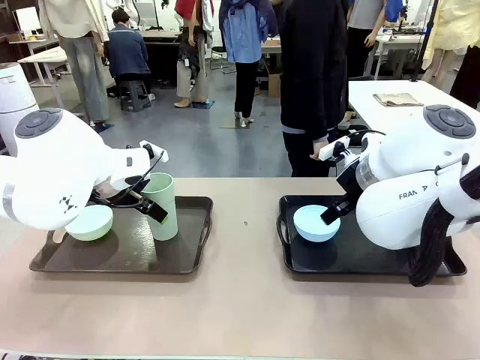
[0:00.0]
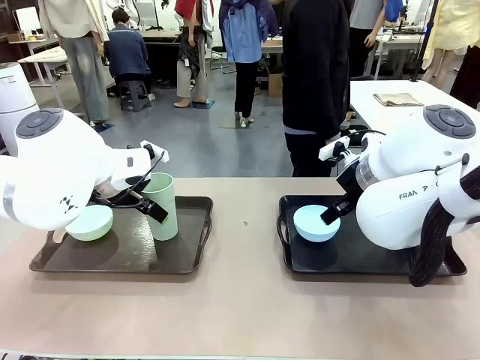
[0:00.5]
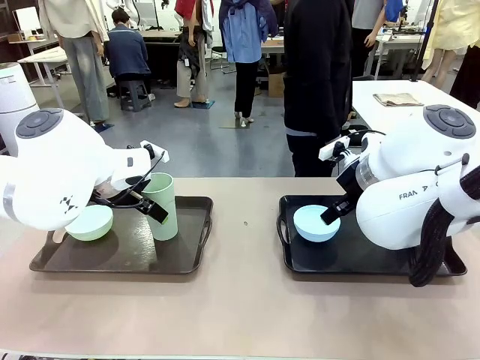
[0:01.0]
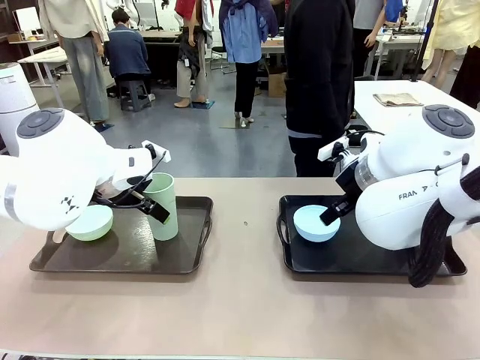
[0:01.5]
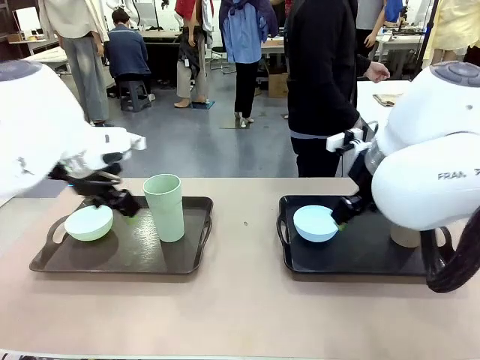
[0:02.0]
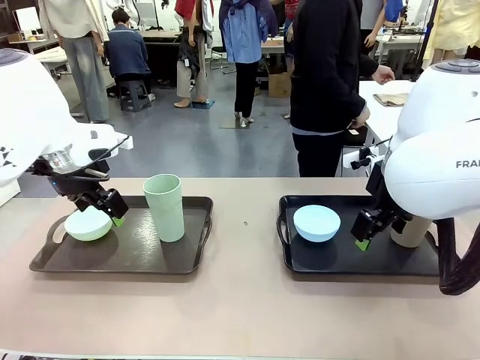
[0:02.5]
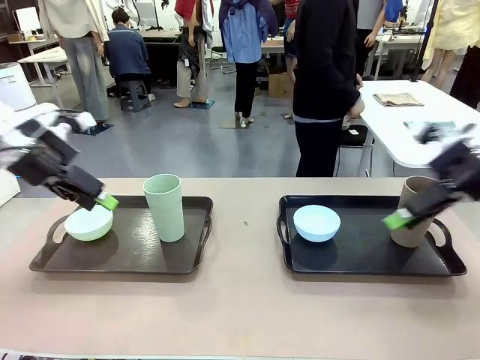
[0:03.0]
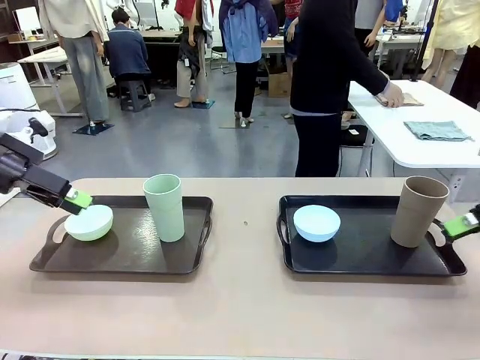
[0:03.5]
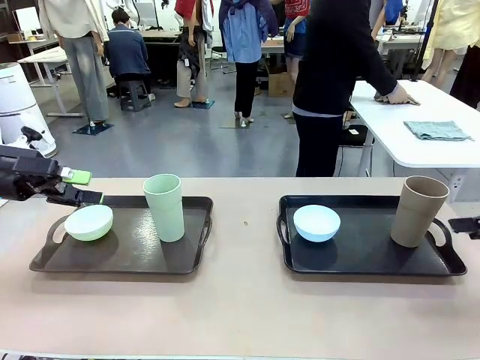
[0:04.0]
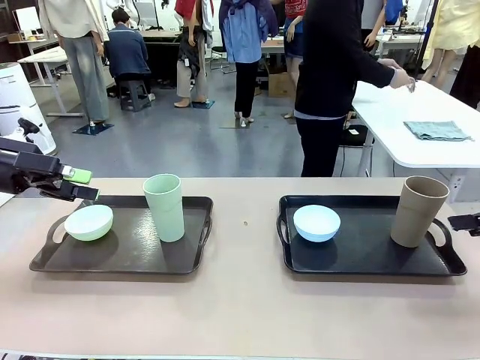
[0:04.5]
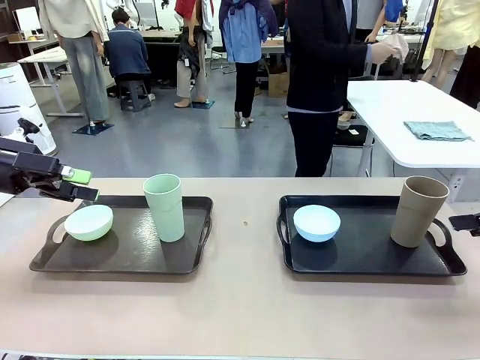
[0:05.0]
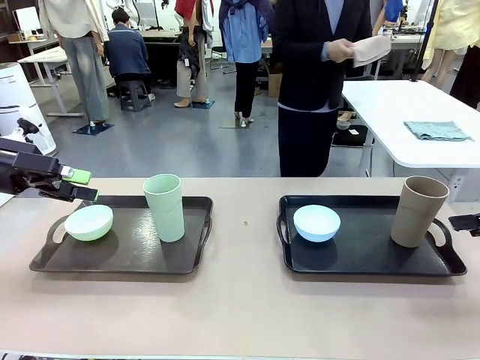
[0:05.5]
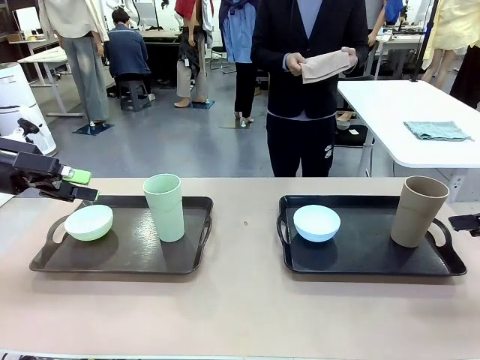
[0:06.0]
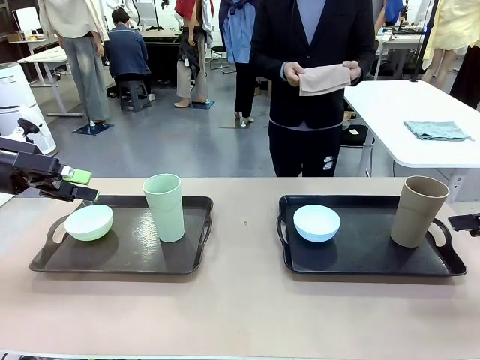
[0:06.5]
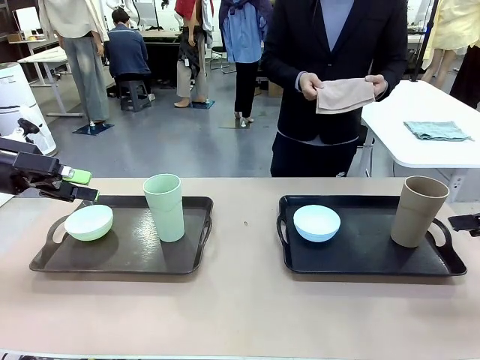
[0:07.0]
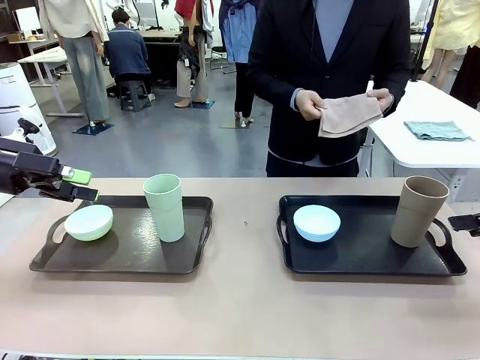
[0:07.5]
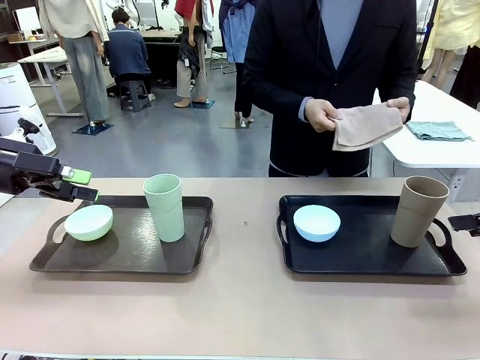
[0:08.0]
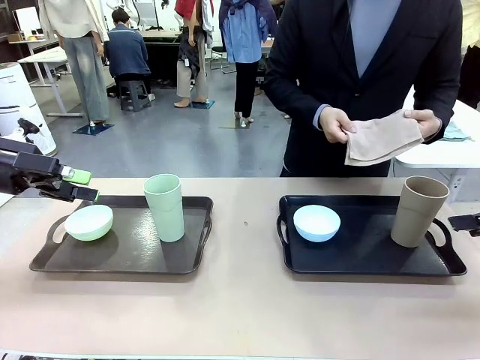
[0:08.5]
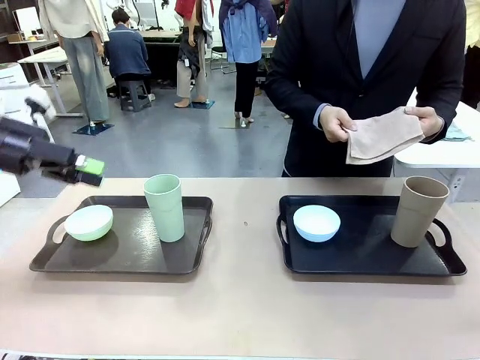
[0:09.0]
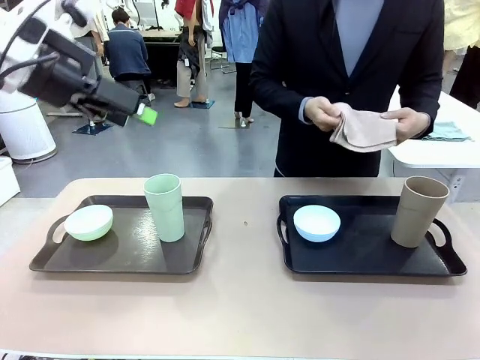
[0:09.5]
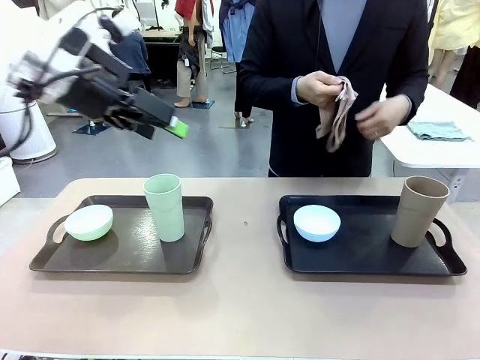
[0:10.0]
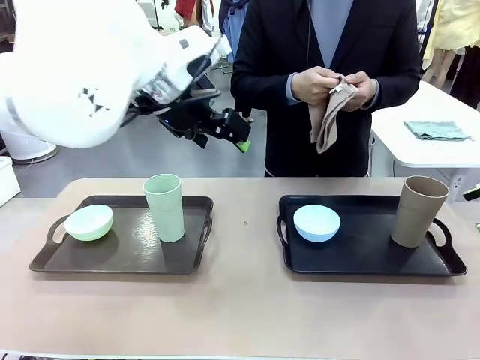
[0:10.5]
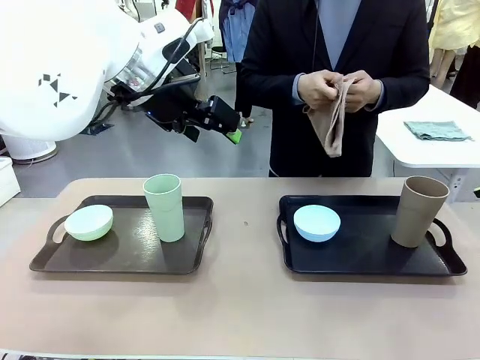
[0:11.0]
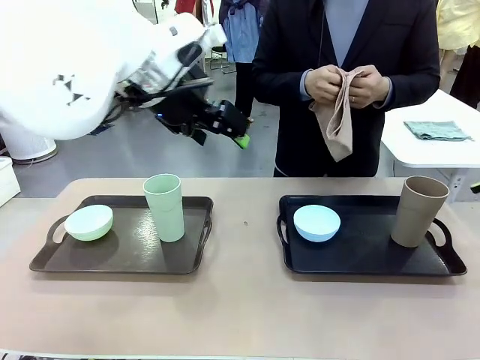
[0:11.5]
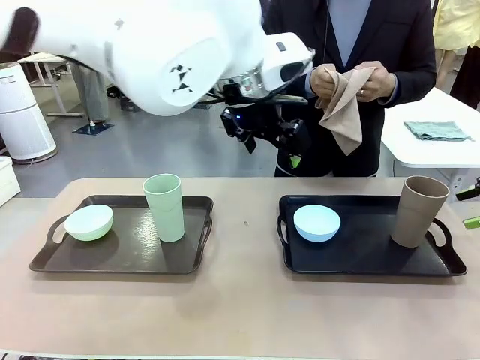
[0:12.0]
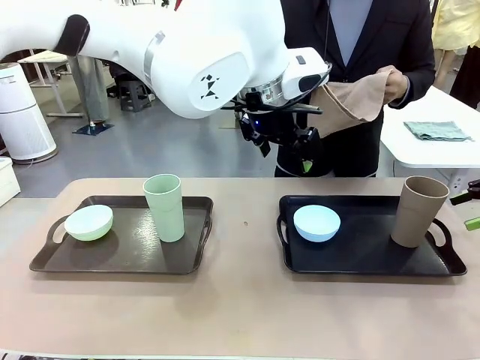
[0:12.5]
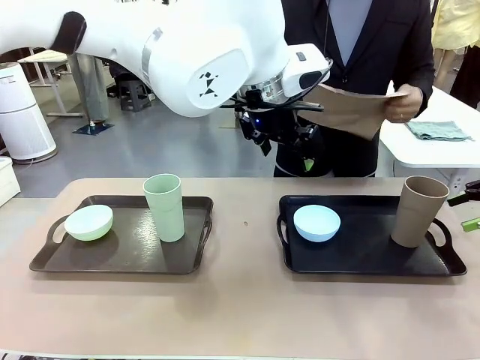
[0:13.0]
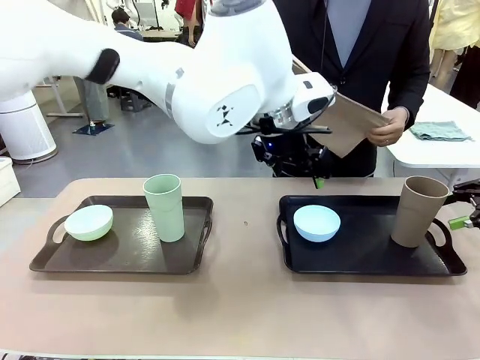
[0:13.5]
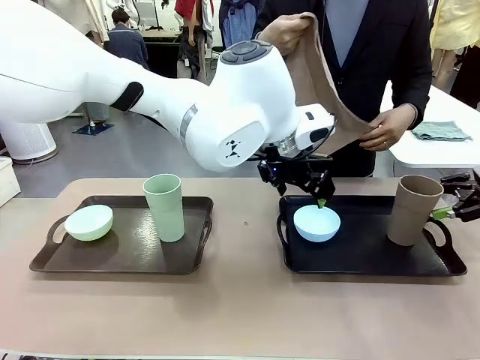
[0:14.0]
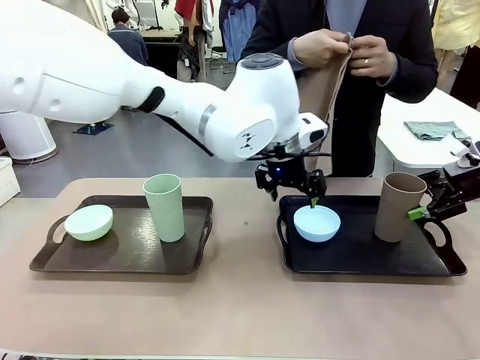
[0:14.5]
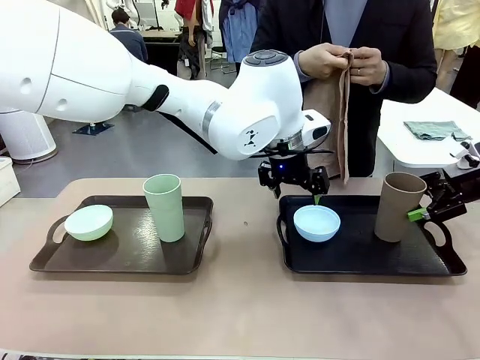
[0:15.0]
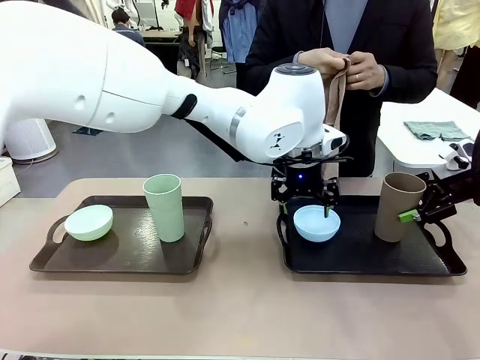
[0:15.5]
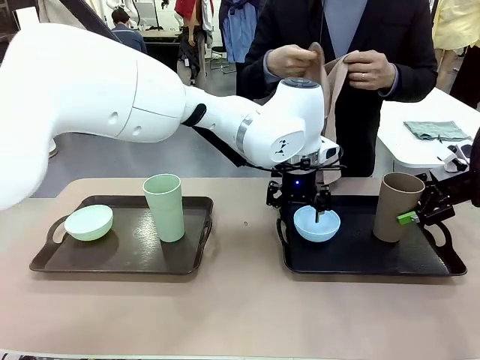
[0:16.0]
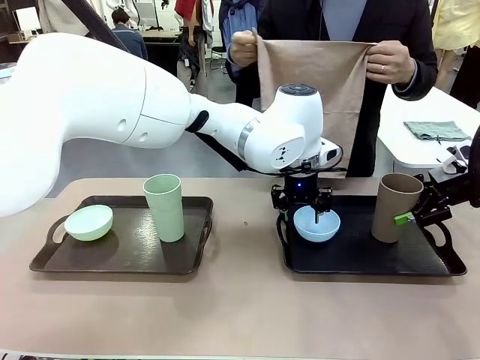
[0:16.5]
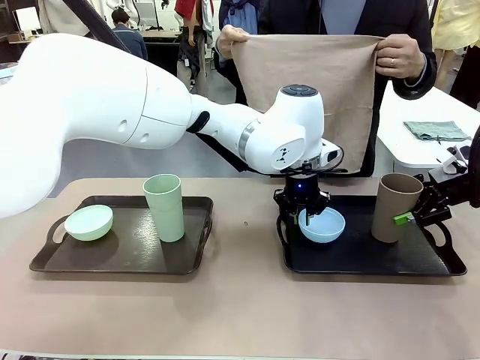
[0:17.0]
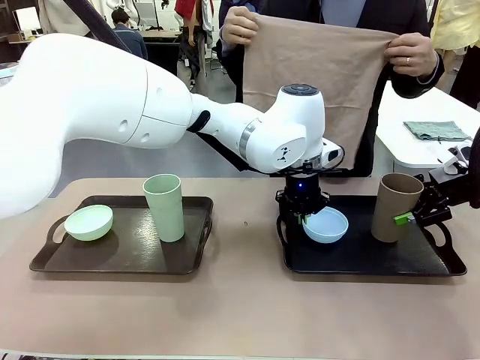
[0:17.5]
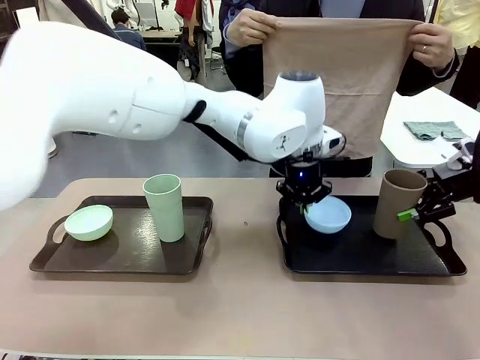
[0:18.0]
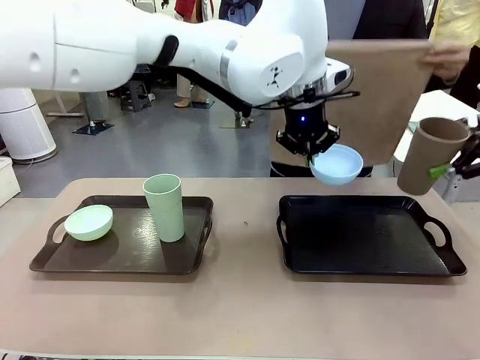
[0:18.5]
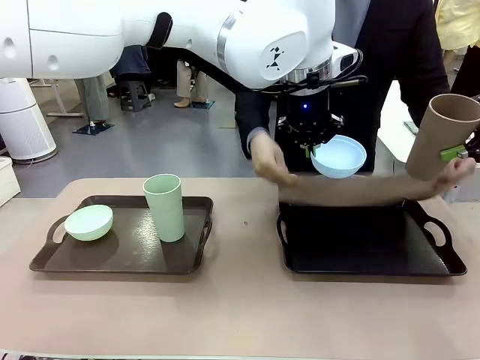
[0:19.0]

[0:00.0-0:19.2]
Robot: Pick up the Picnic Bowl and Reusable plastic cup from the Handle tray in front of the human's position and hold them in the air.
Person: The human picks up the top napkin from the stack on the human table and walks to the robot table to stand in front of one of the two trays. When the robot lifts the bowl and the cup, the human unfolds the napkin and lays the napkin flat on the tray.

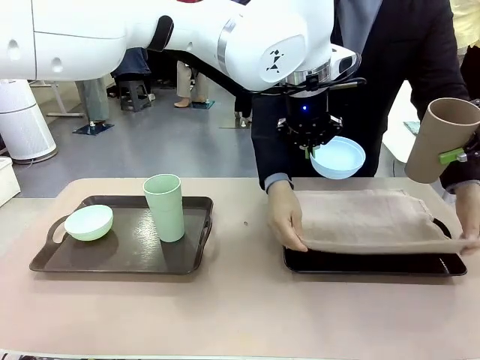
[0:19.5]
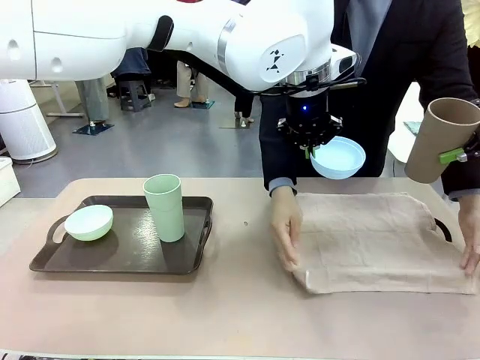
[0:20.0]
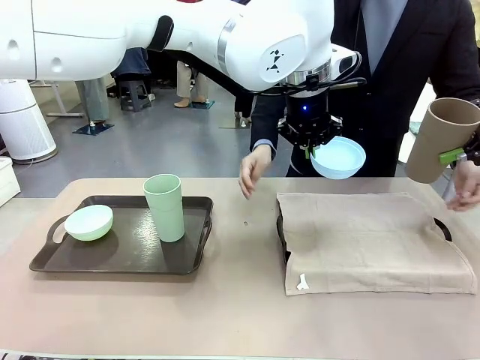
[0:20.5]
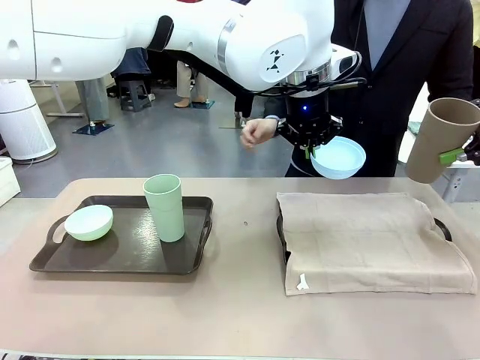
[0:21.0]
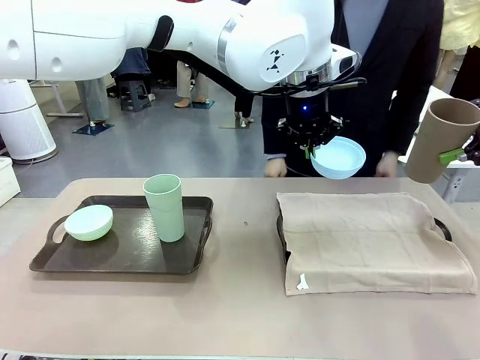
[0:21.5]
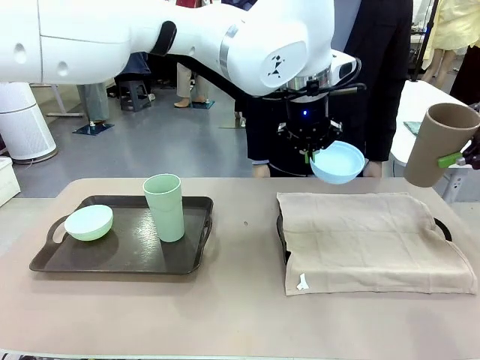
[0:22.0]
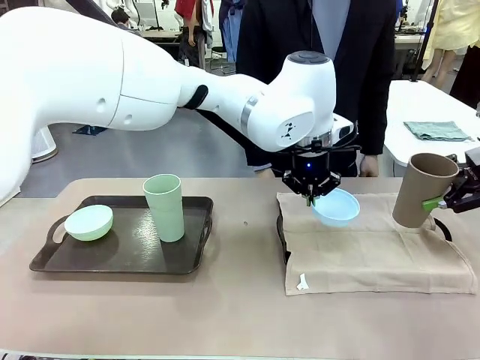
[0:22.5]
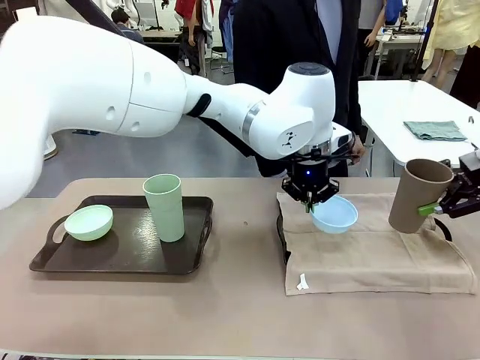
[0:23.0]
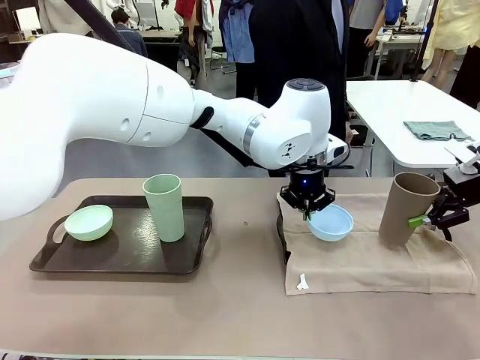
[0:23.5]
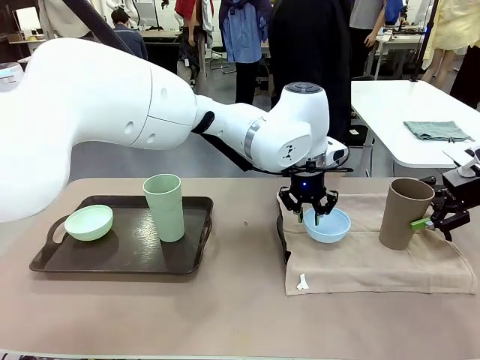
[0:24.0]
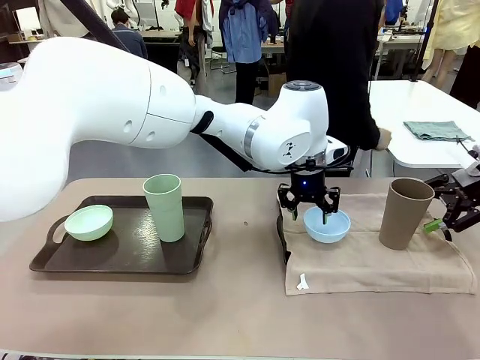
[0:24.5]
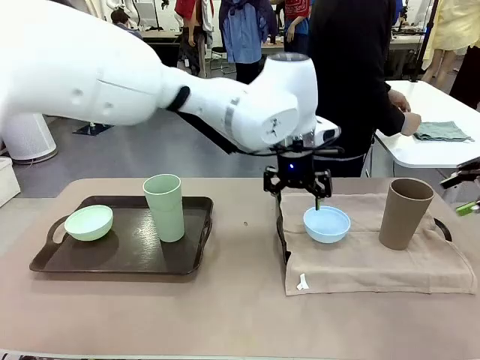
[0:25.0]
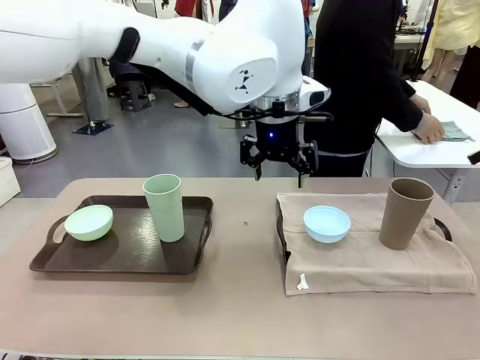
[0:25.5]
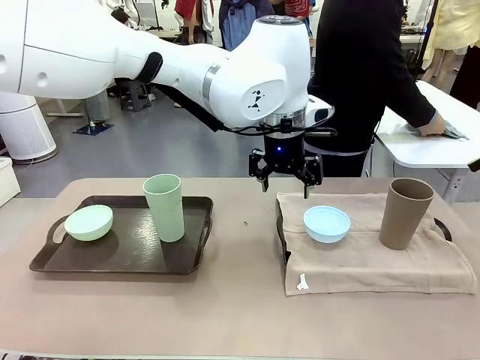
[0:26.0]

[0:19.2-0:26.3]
Robot: Place the Picnic Bowl and Reusable plastic cup back onto the Handle tray in front of the human's position.
Person: The human returns to the human table to pick up another napkin and walks to the robot table to stand in front of the tray without a napkin.

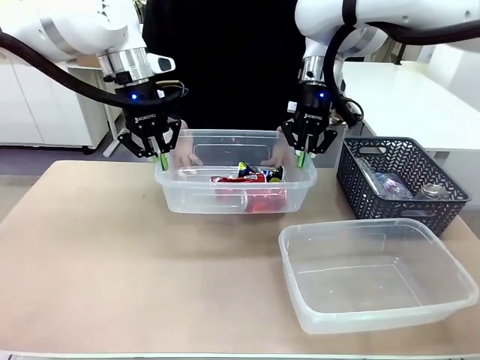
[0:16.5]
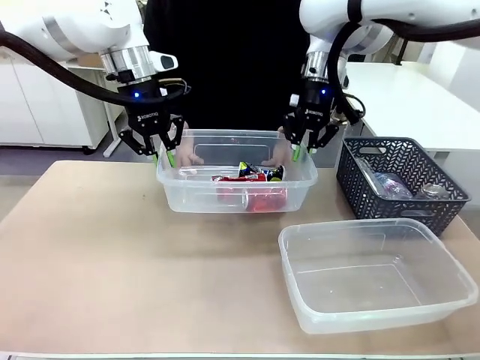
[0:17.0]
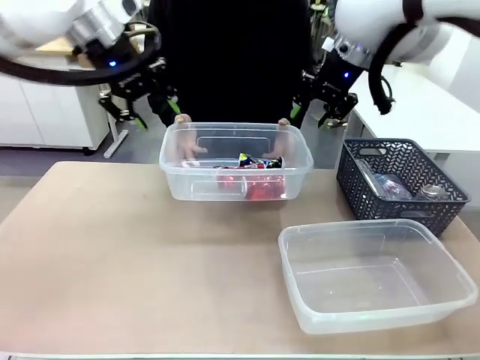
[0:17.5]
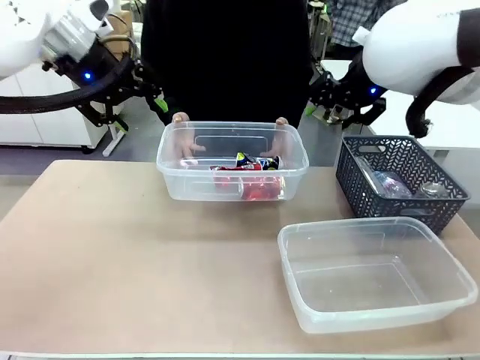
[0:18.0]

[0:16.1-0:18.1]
Robot: Release the Organizing box you were holding.
